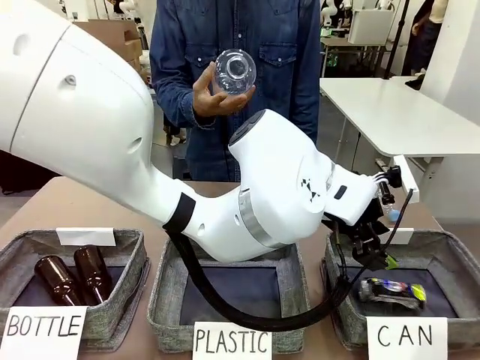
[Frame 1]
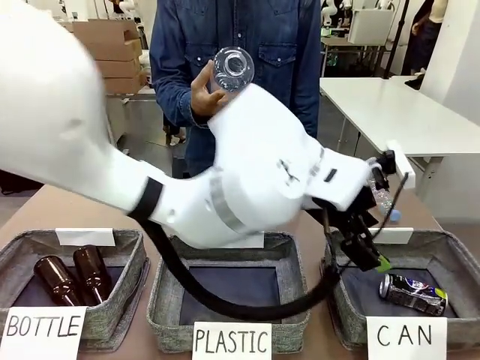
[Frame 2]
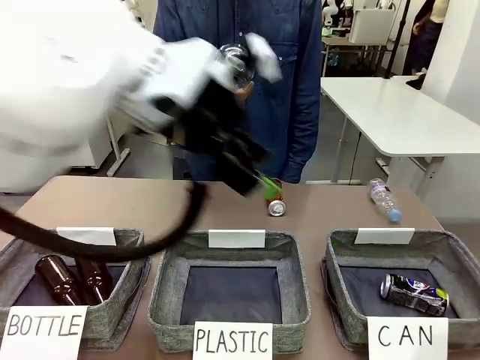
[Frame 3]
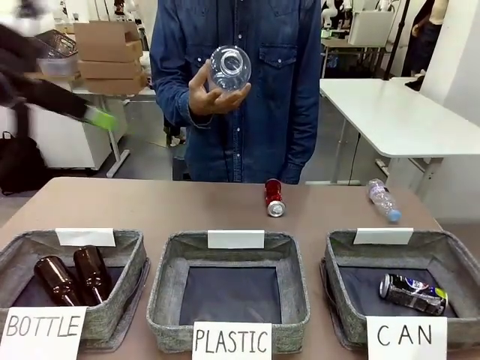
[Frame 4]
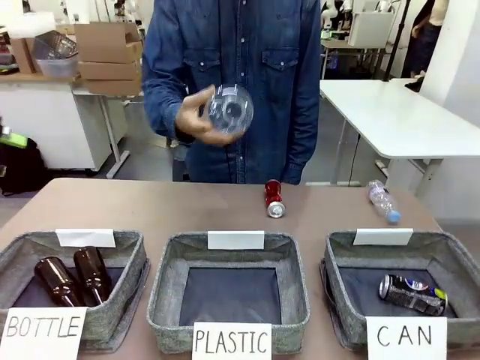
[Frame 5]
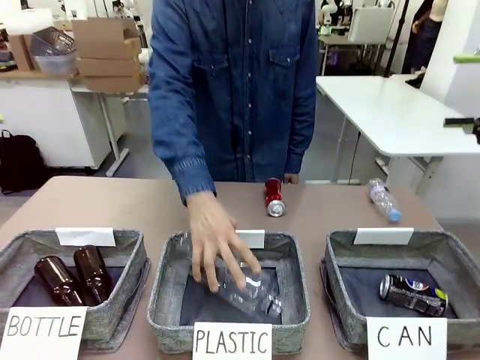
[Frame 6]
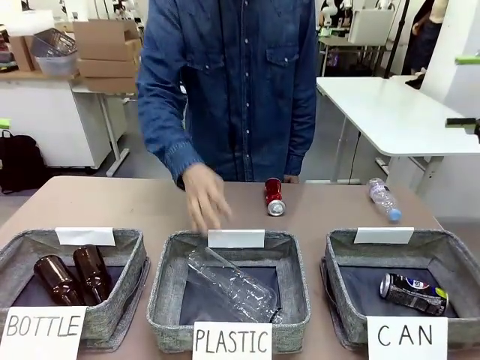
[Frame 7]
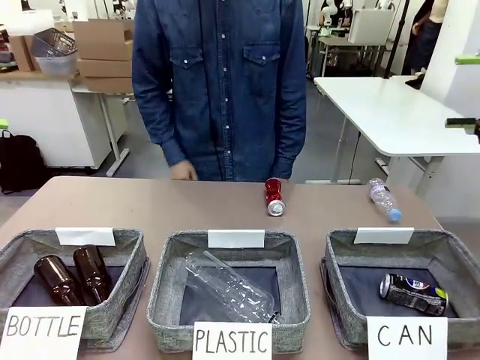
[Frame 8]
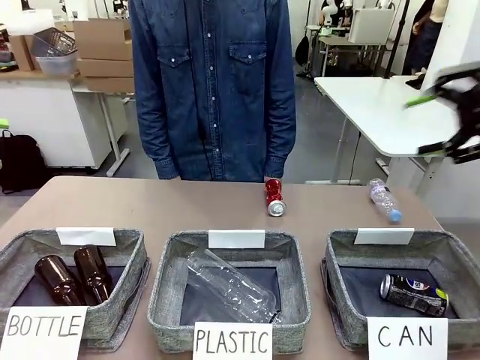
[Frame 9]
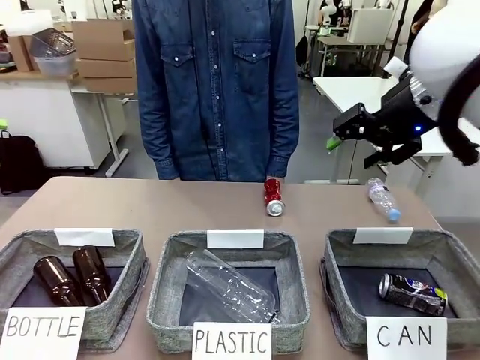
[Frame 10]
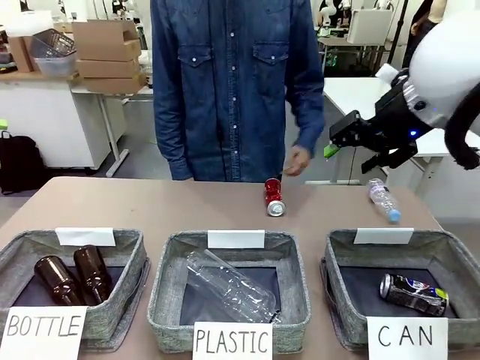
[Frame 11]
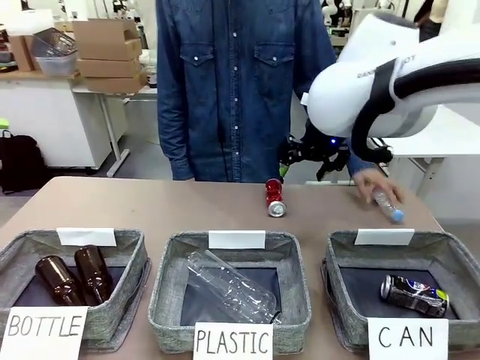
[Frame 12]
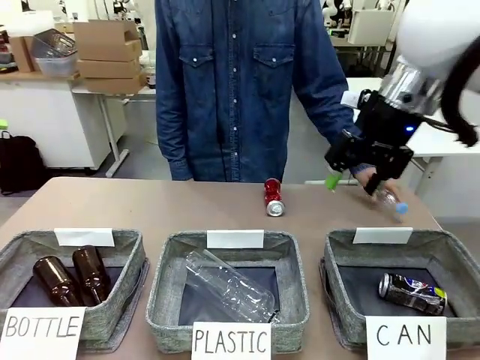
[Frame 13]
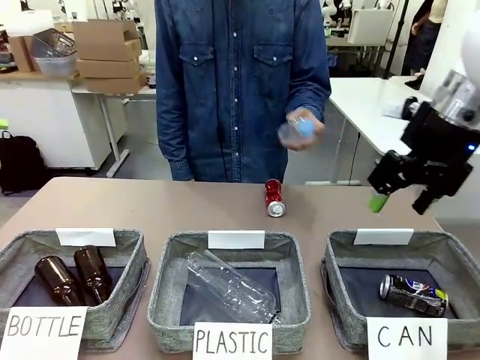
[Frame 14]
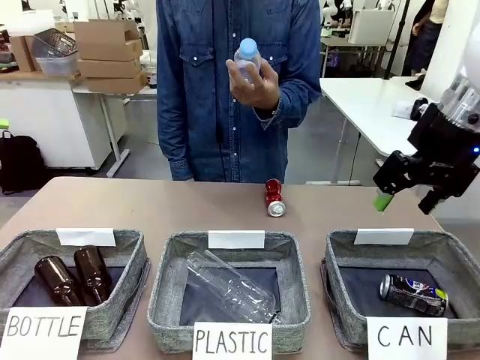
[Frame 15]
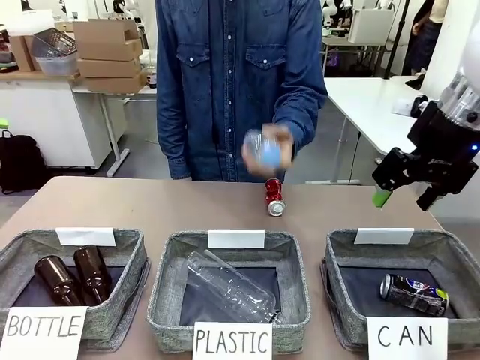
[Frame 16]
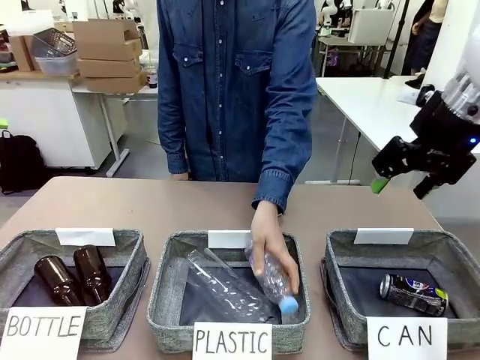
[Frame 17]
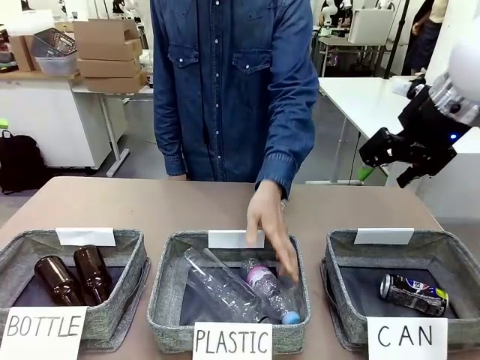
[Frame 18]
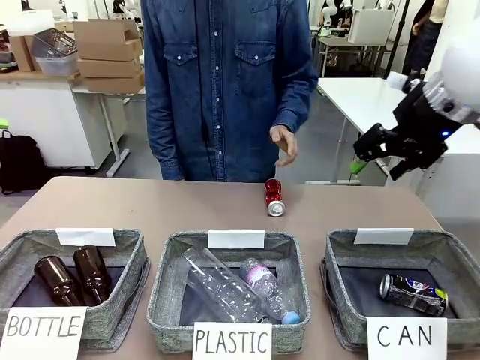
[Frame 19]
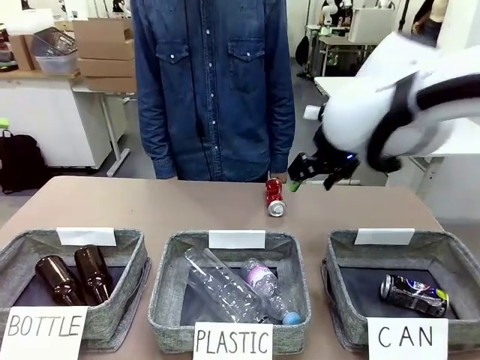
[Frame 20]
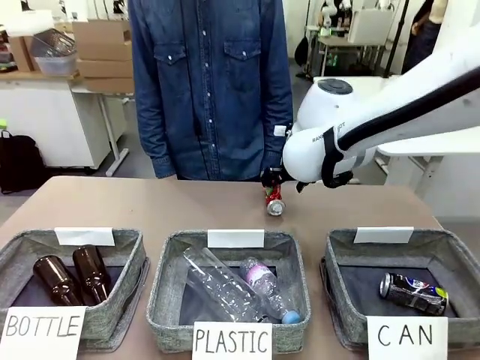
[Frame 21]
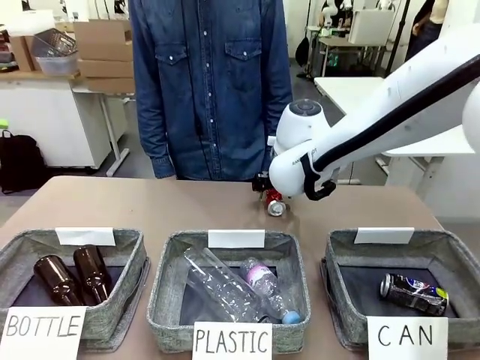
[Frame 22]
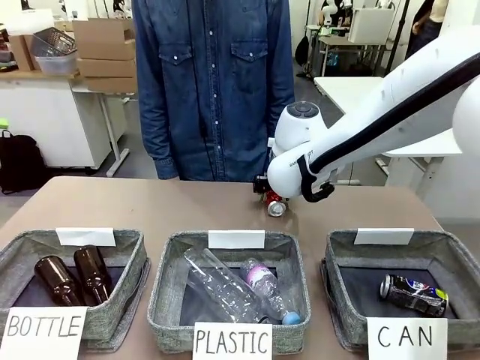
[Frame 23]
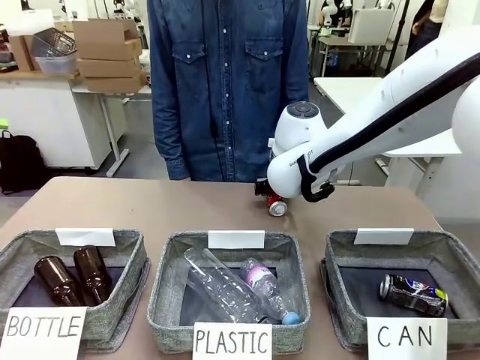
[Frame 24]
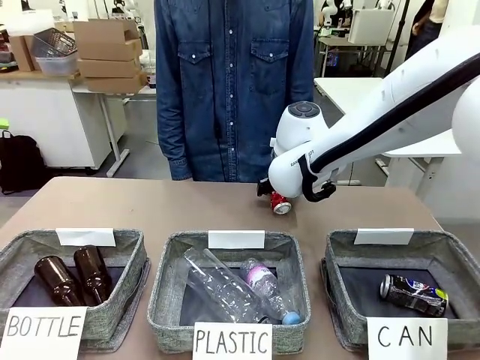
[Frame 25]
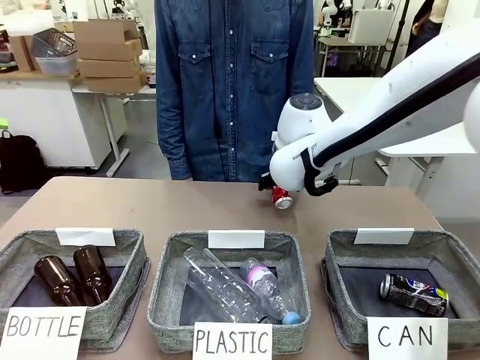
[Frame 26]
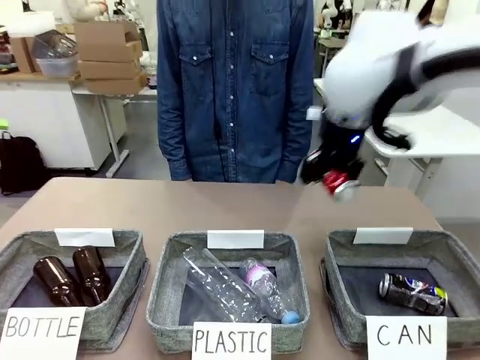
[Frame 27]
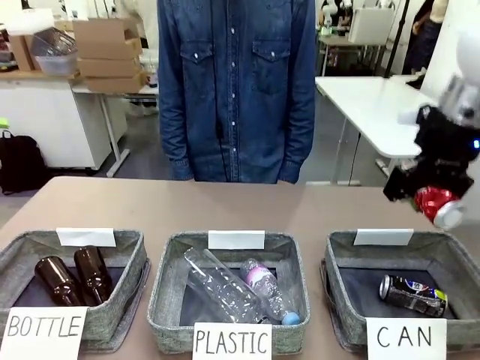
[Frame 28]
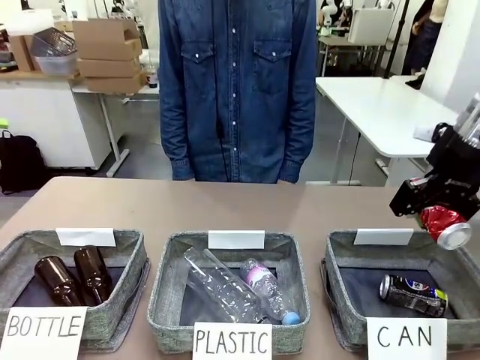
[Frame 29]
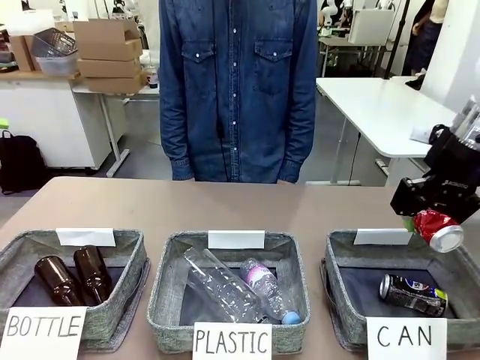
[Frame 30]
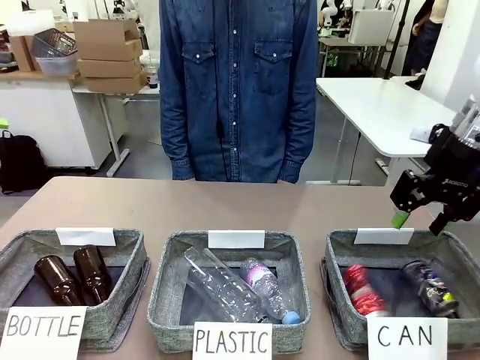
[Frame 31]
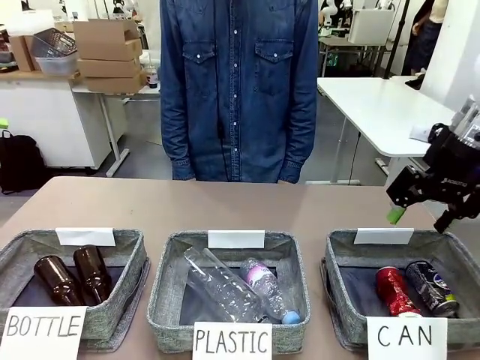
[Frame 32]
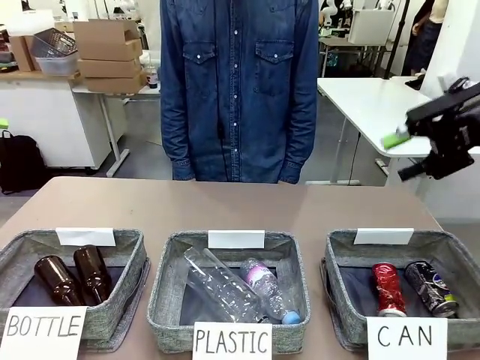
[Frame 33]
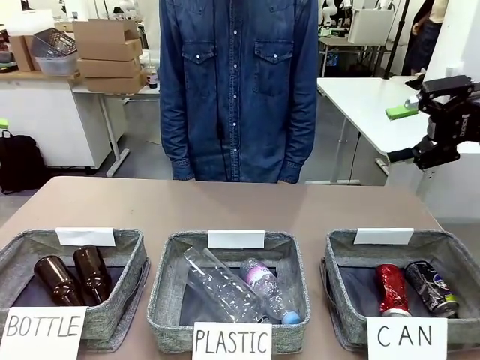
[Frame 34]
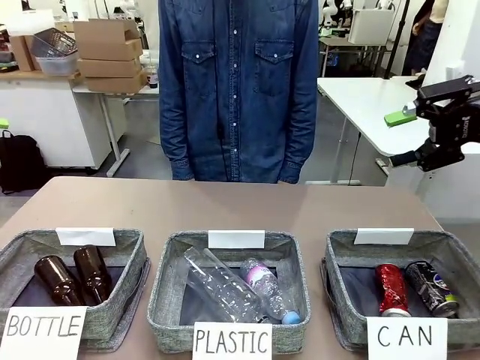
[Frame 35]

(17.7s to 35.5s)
Task: Sort the can waste into the basket.
Robot: Pick up the can waste from the table and place it in the right Fabric basket.
Person: The human picks up one piece of trash that is not a can and places the trash into the appropriate organizing basket.

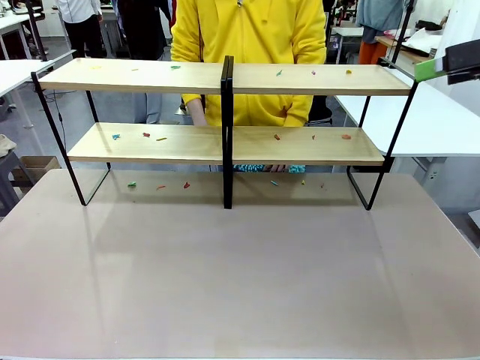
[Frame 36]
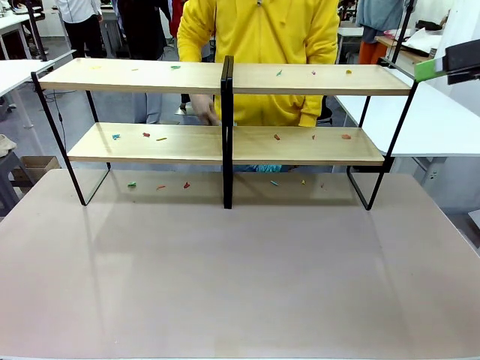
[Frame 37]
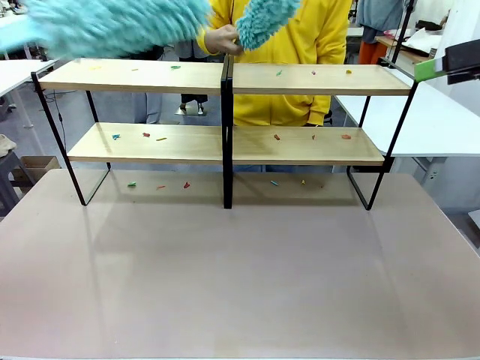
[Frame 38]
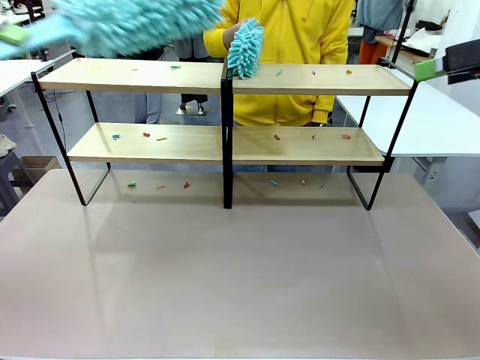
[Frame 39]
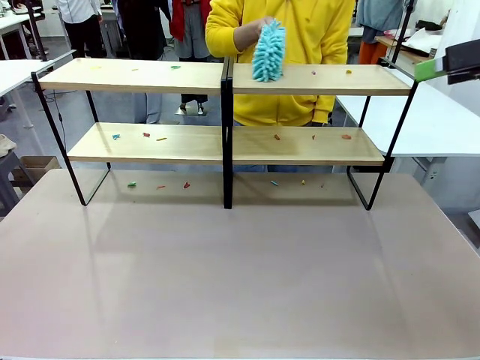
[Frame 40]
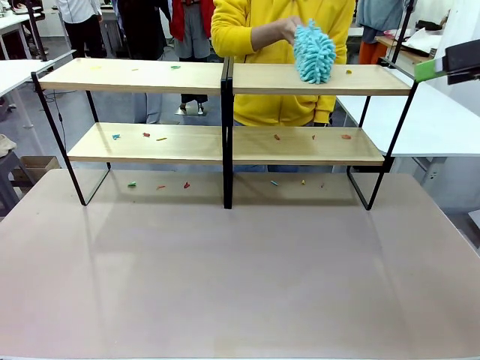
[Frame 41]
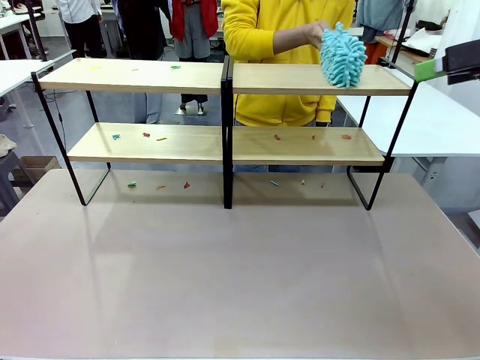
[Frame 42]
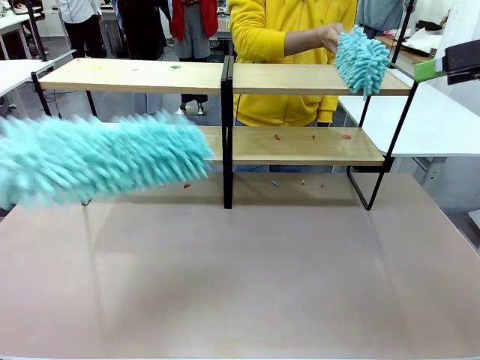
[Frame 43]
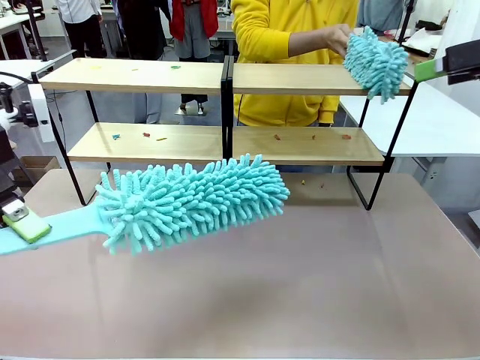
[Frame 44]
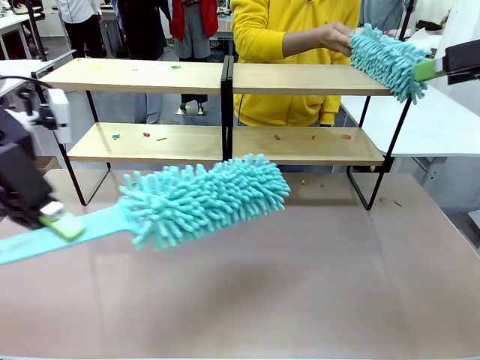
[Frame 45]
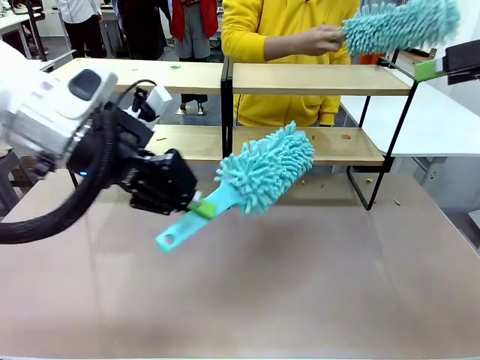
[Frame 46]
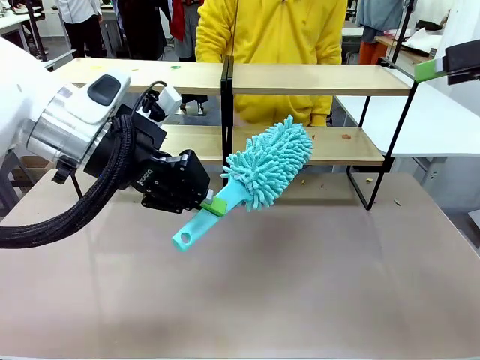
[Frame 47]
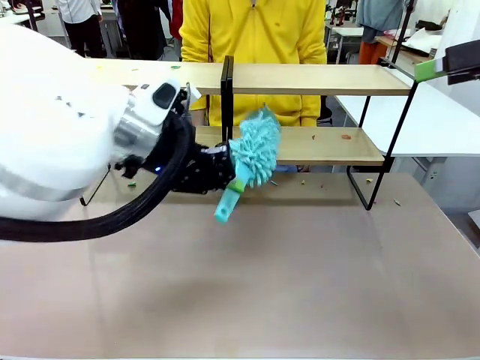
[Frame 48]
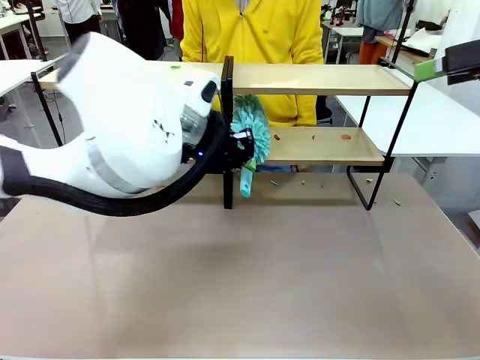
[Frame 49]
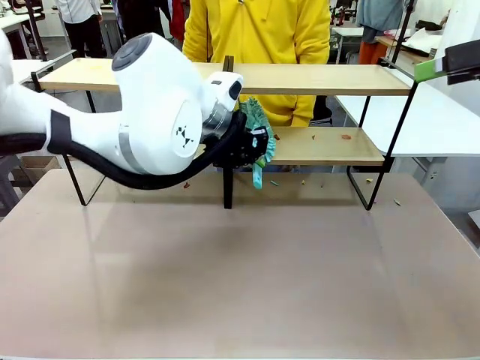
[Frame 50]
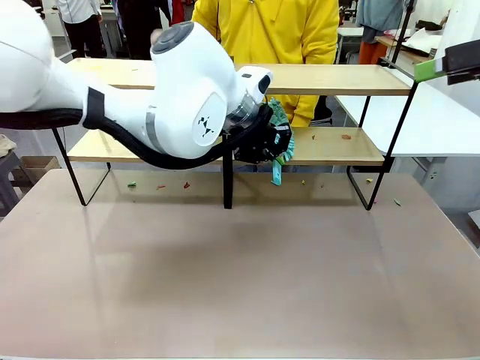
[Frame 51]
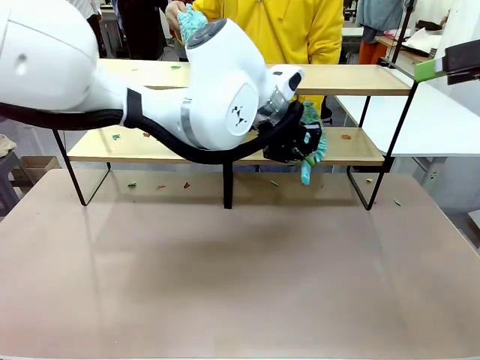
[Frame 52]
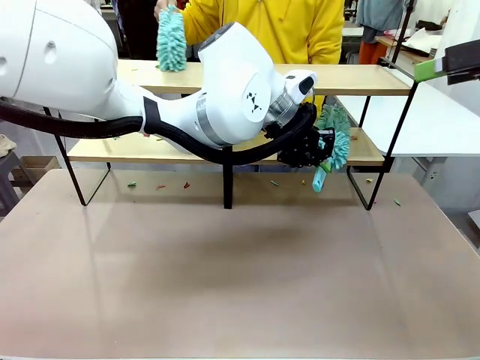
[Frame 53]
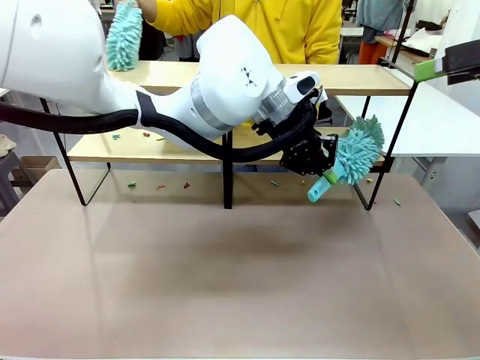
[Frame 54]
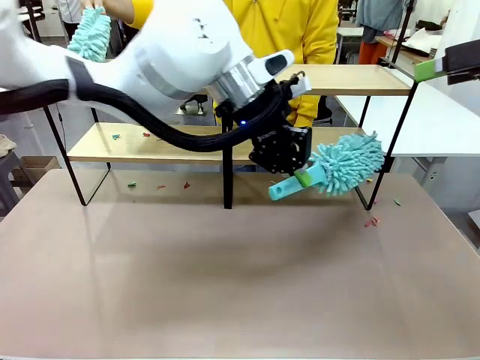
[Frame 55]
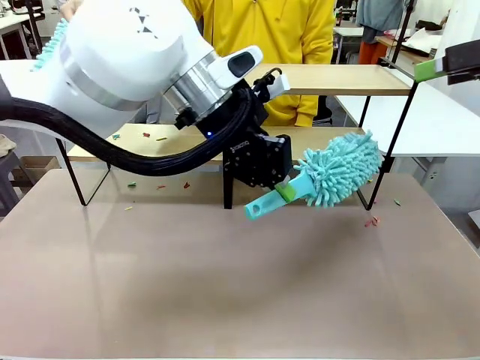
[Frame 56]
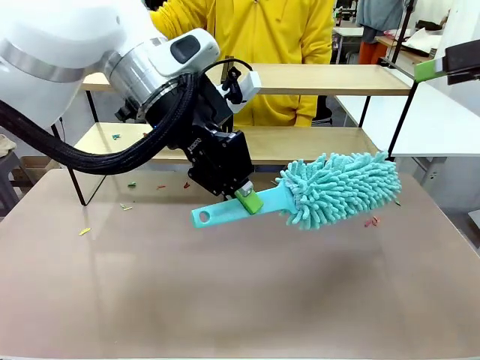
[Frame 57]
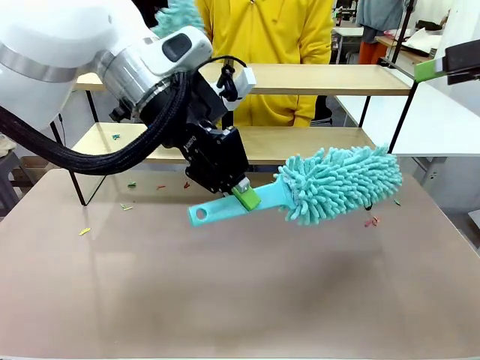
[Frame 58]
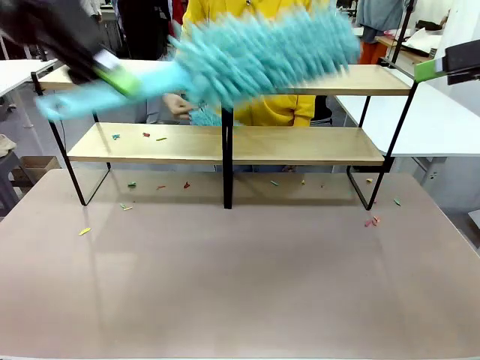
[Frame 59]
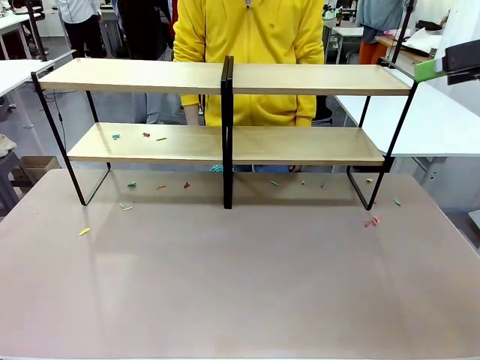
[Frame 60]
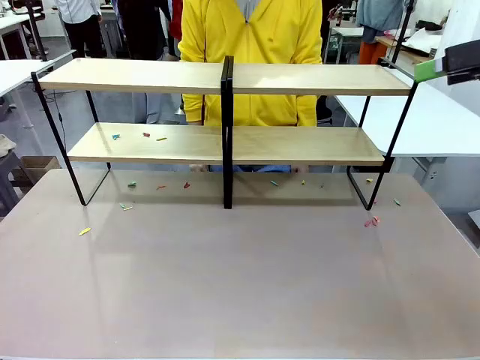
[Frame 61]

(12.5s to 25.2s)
Task: Clean the shelves.
Robot: Clean a randomly selected level of the Shelf with the Duster.
